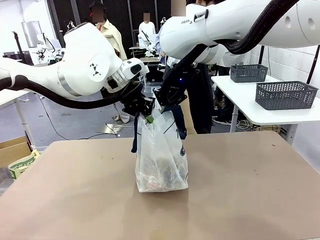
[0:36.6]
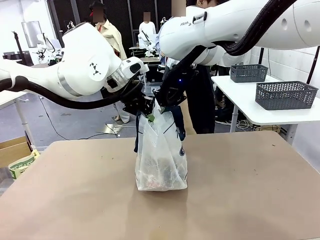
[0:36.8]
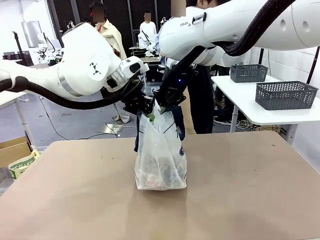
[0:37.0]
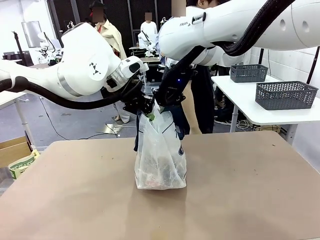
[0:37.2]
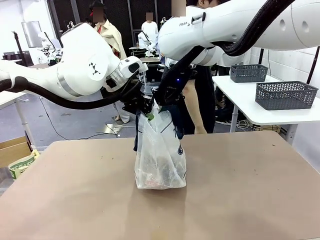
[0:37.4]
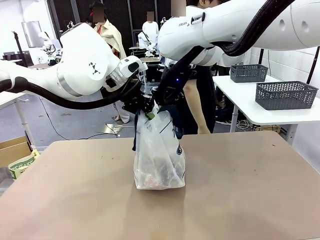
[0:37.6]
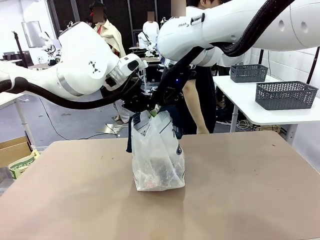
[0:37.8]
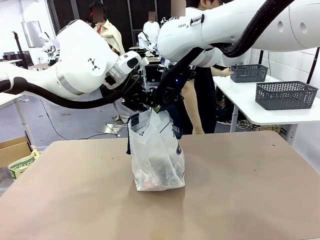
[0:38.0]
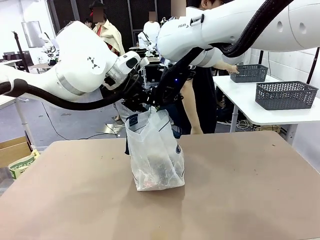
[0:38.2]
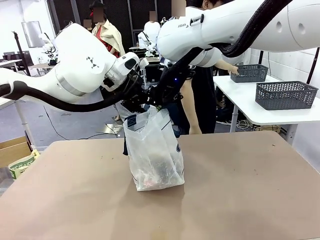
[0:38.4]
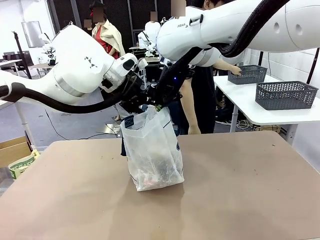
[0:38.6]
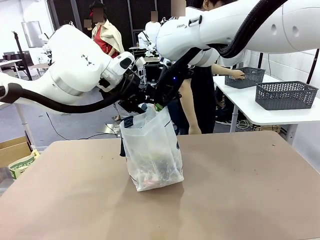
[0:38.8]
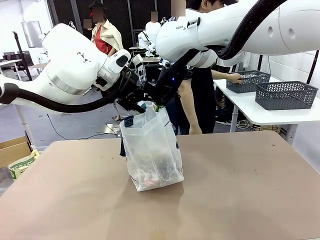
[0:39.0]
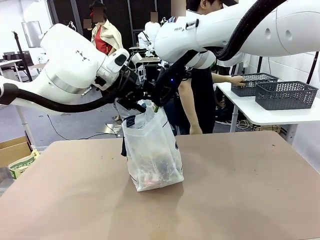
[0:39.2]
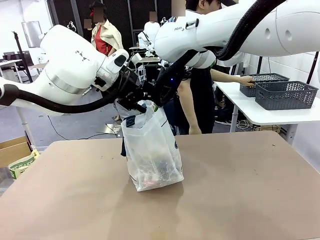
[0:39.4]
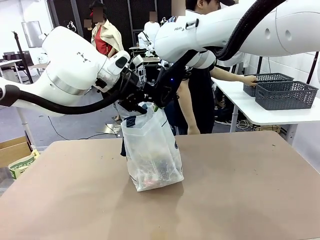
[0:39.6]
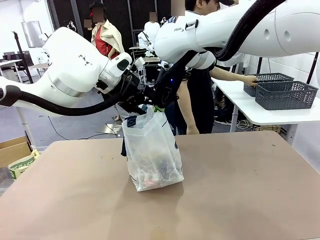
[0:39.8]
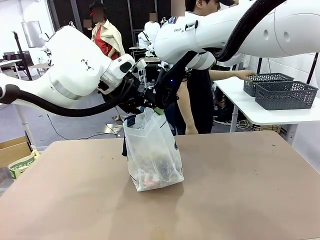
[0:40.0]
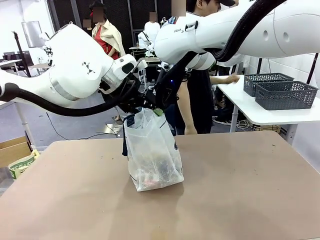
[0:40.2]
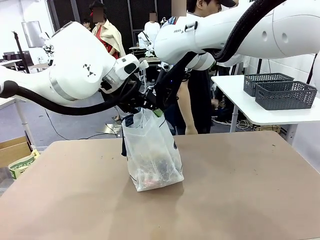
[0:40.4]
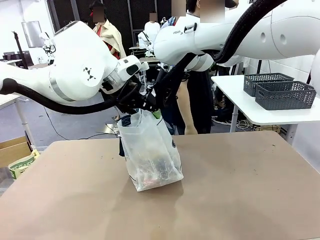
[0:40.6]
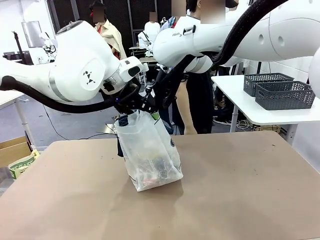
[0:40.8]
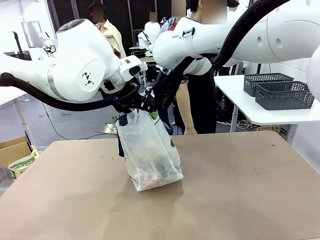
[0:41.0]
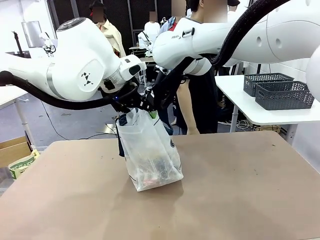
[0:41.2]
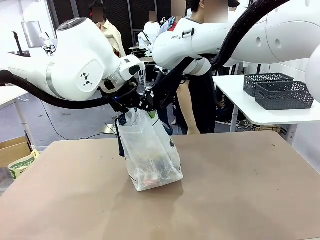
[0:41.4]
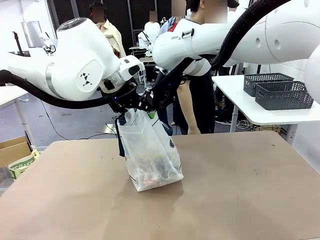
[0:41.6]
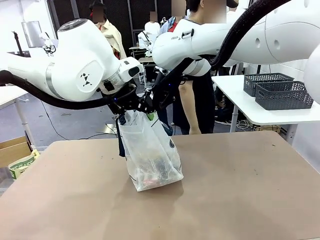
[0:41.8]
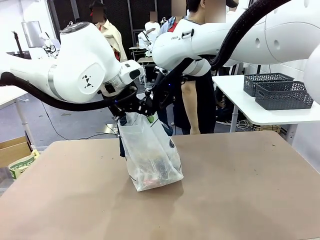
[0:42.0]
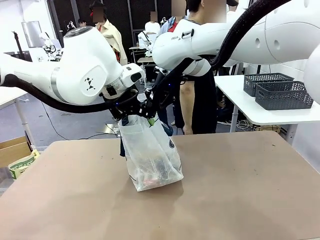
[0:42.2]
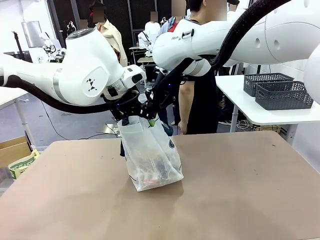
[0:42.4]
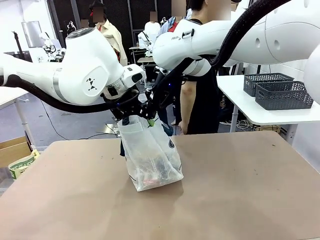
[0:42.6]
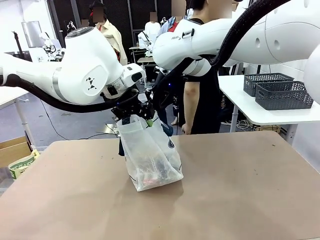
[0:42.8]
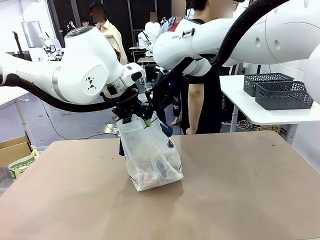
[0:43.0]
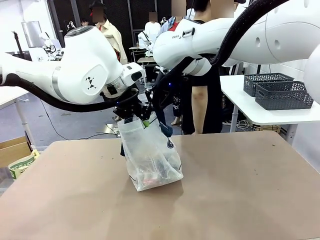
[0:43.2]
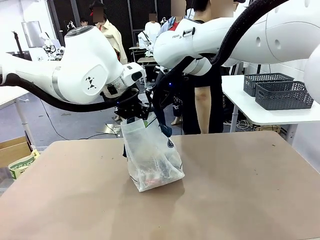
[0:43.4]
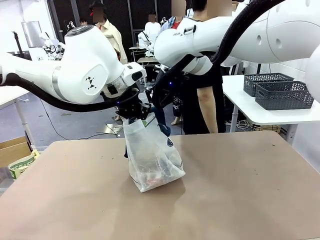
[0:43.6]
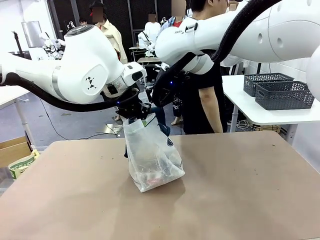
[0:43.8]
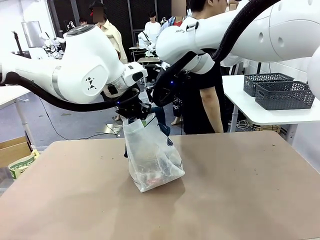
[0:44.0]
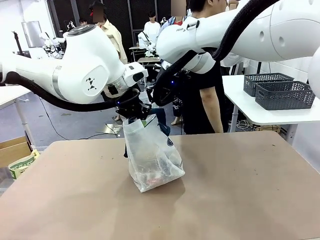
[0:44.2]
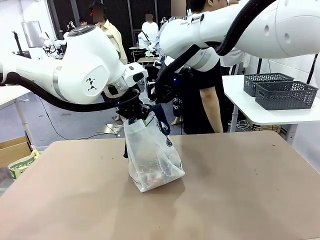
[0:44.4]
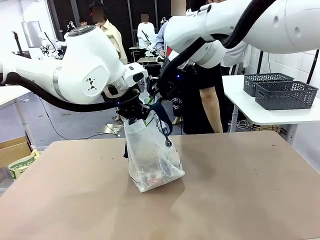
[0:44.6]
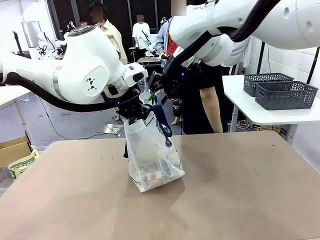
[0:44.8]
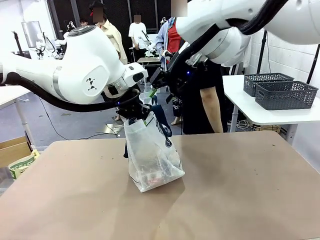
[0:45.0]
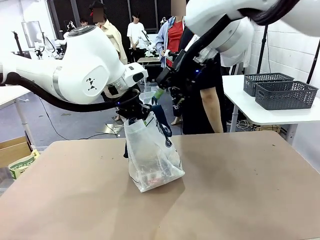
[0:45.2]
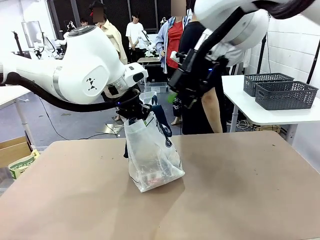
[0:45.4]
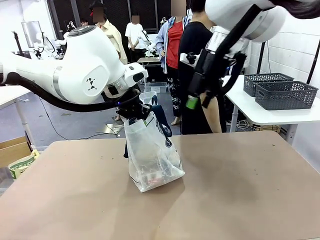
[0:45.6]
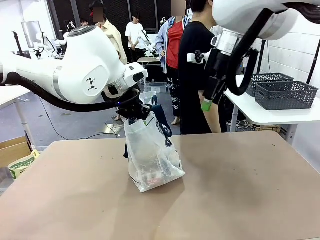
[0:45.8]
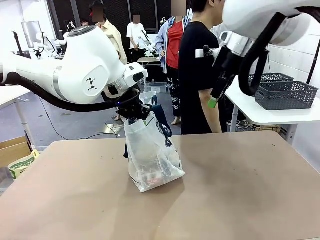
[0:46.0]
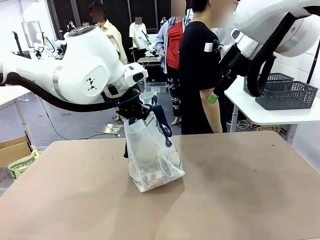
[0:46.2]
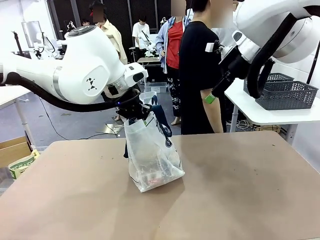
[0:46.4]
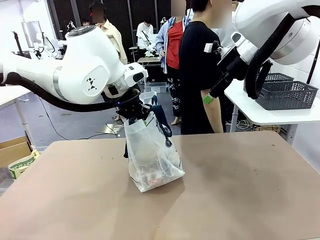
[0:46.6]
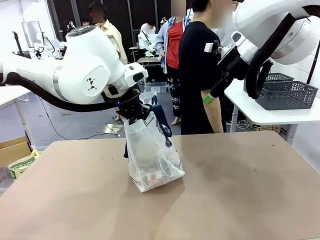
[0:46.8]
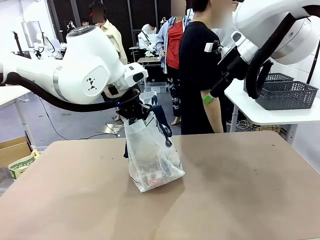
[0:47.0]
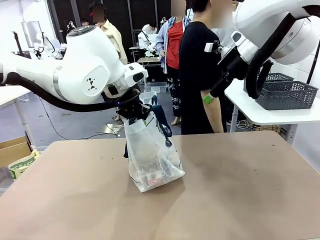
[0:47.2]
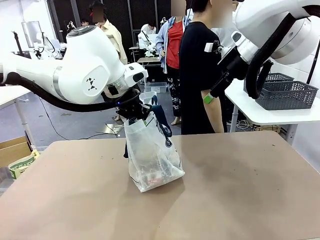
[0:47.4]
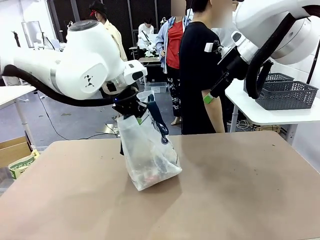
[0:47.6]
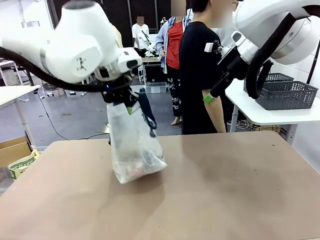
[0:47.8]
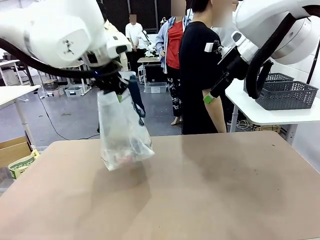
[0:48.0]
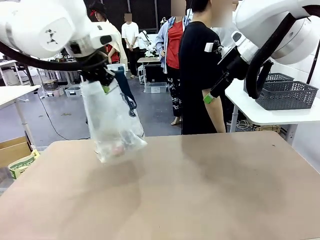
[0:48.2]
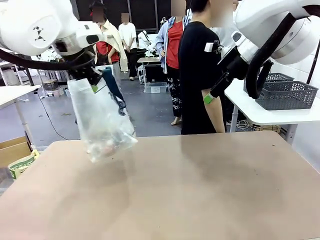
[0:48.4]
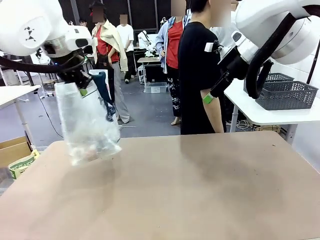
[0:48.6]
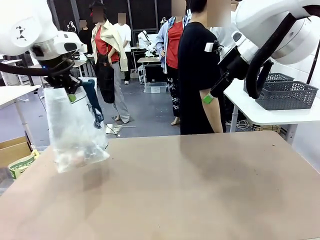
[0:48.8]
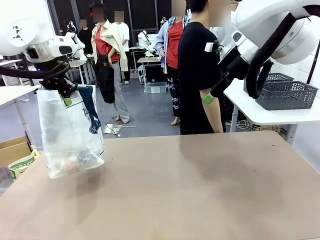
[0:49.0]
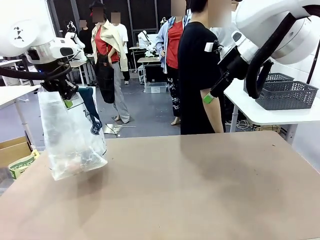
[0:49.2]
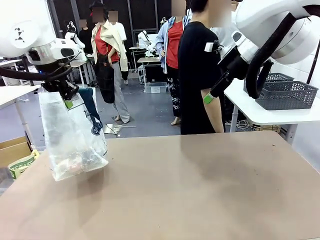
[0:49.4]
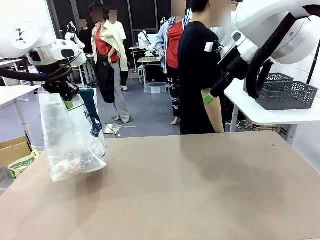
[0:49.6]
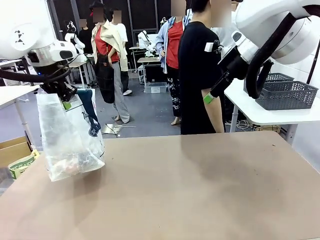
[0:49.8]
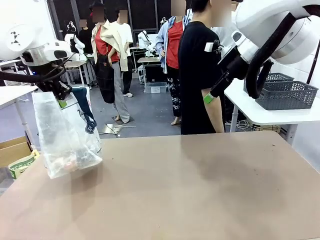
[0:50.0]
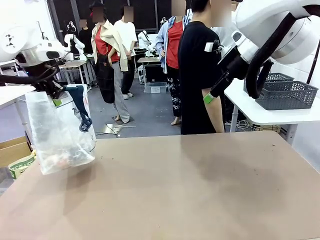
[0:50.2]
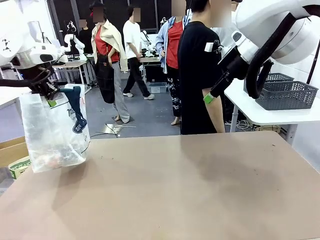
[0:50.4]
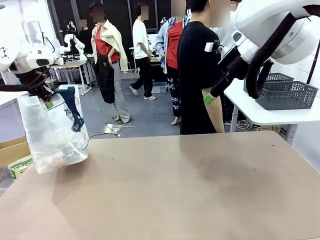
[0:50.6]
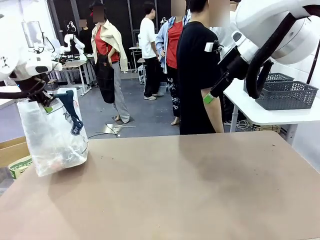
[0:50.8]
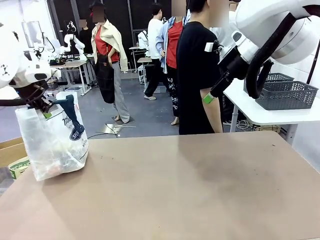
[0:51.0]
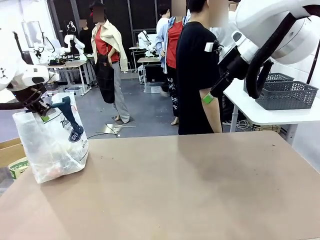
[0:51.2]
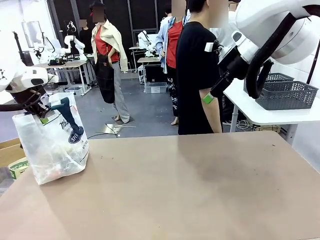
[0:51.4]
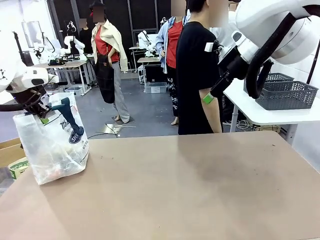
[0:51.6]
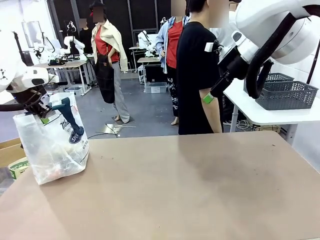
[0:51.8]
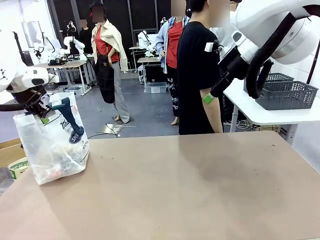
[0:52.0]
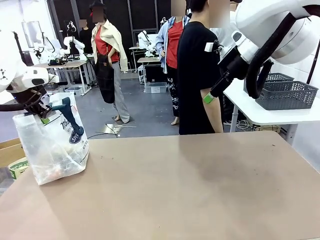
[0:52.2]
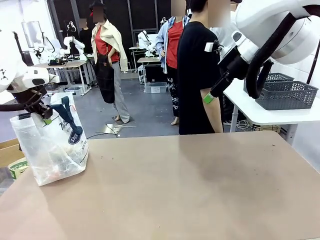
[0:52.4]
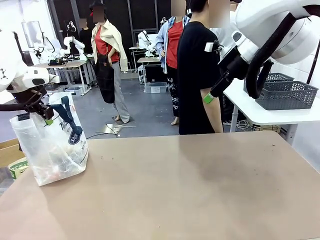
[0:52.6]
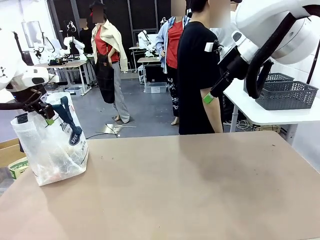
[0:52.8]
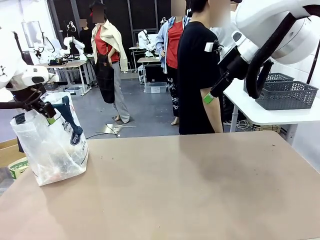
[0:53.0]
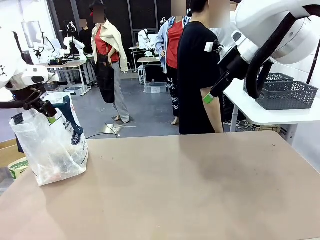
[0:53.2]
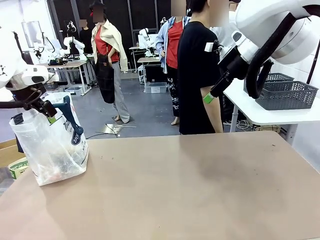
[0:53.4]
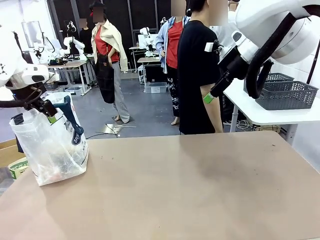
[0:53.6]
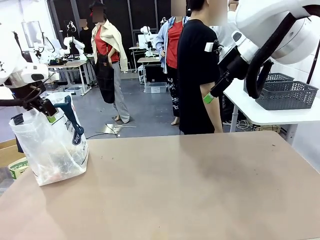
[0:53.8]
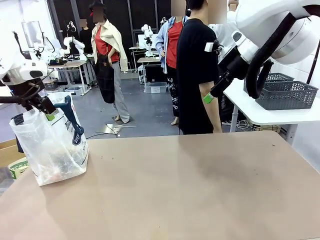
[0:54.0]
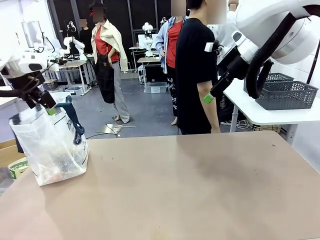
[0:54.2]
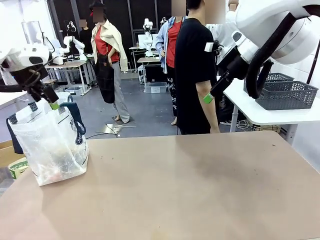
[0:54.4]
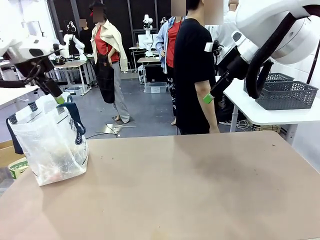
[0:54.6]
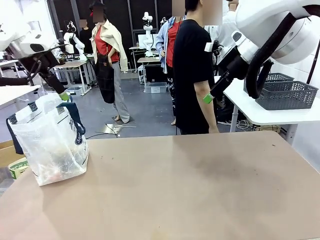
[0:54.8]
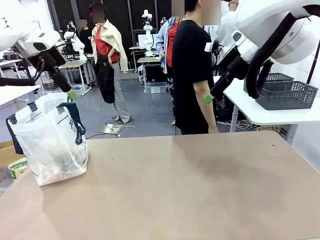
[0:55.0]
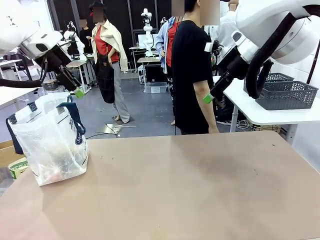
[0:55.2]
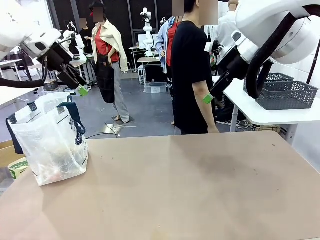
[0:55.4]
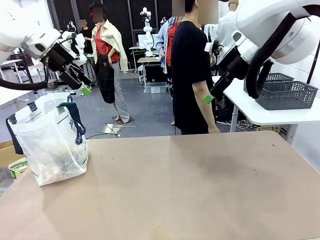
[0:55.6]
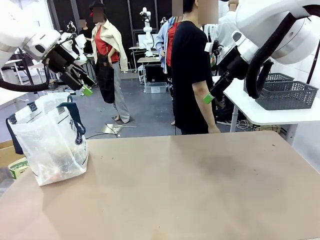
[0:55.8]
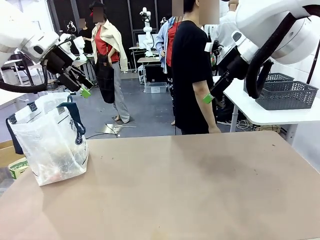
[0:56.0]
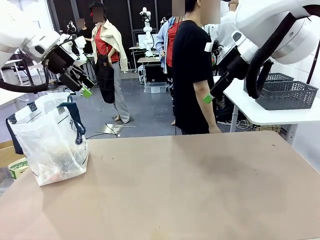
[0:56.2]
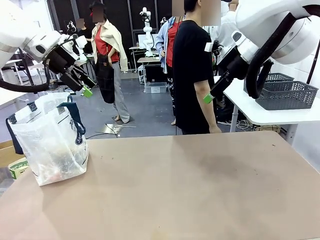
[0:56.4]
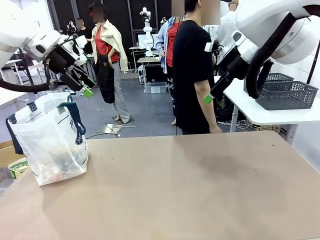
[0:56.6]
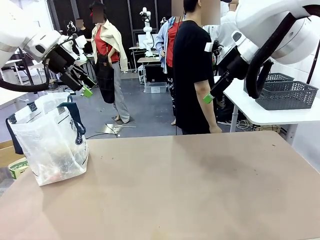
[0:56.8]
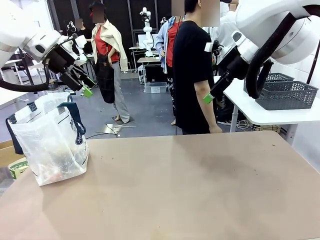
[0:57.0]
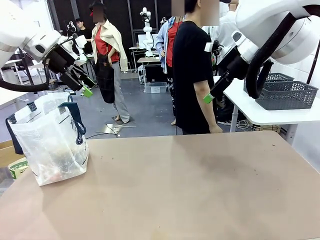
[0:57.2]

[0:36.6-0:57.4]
Task: Transfer purchased items from the store into the shopping bag.
Robot: Move the Reusable shopping bag to the right side of the table.
Person: Move the basket on the left to the middle of the person's table.
